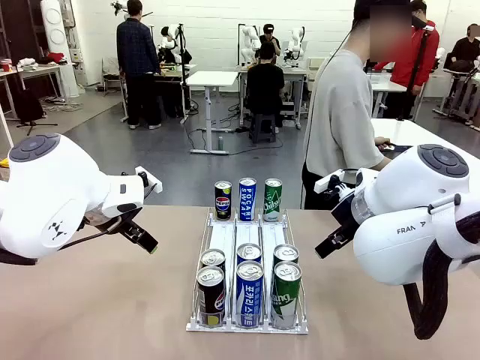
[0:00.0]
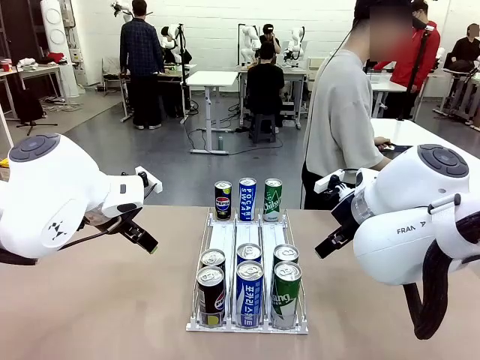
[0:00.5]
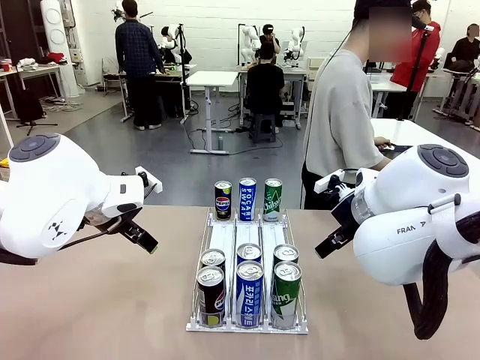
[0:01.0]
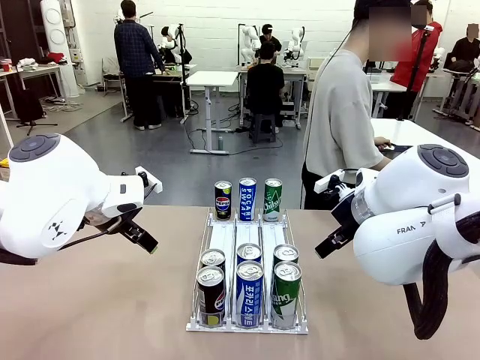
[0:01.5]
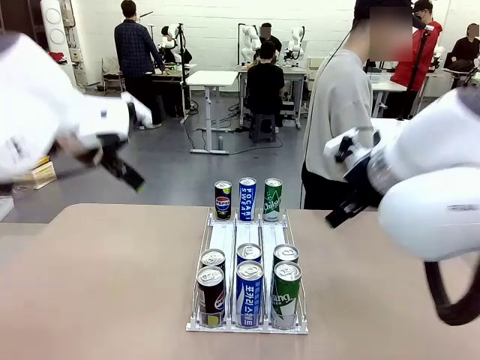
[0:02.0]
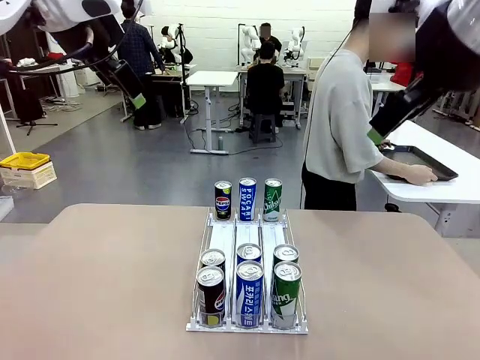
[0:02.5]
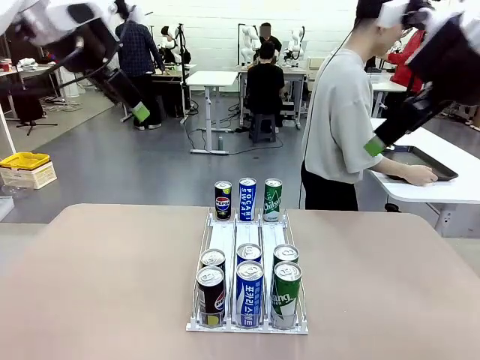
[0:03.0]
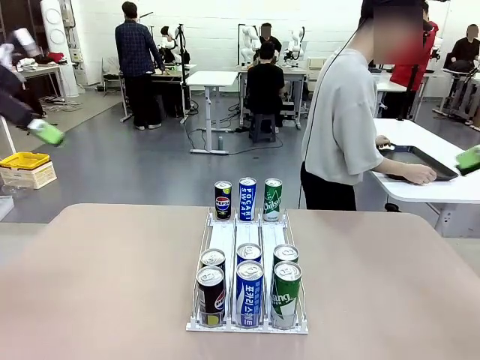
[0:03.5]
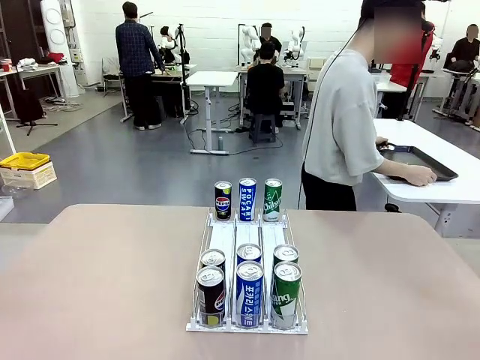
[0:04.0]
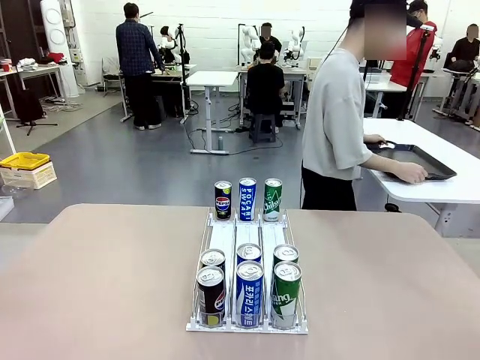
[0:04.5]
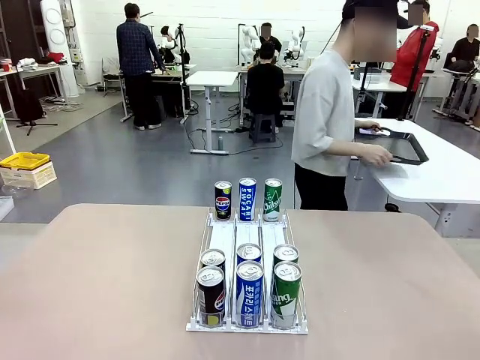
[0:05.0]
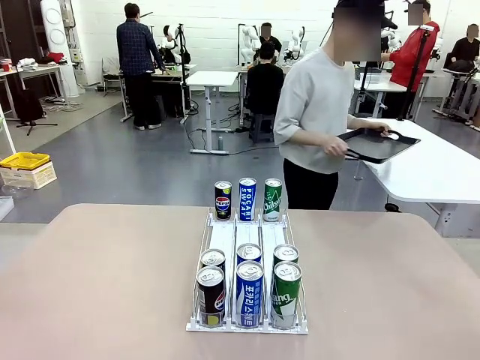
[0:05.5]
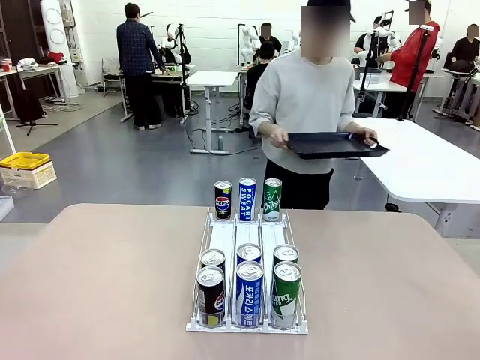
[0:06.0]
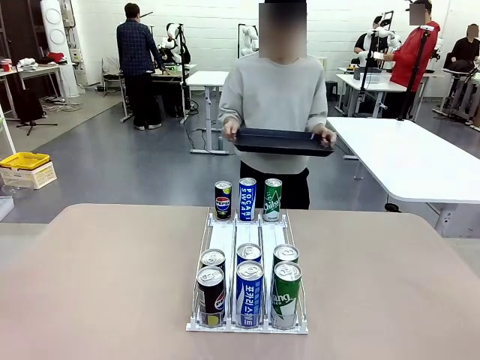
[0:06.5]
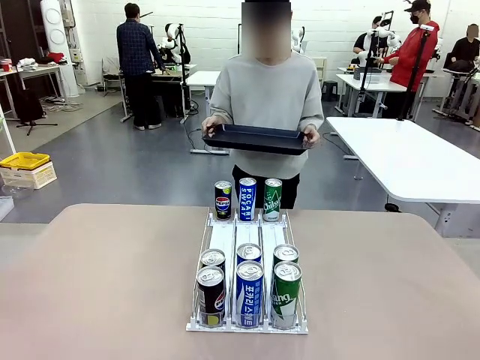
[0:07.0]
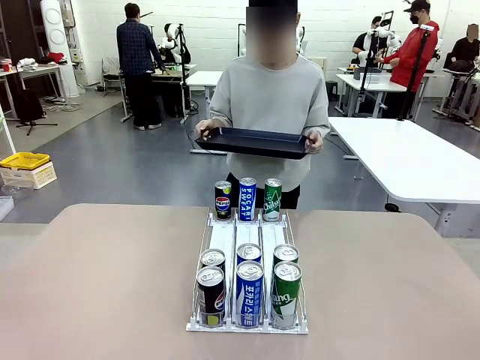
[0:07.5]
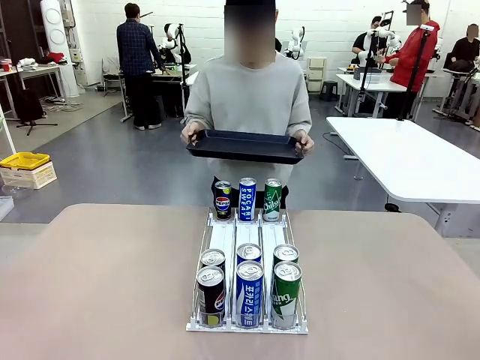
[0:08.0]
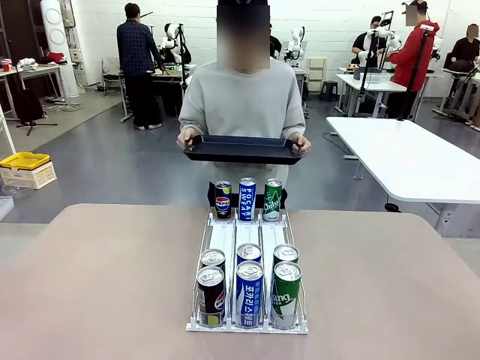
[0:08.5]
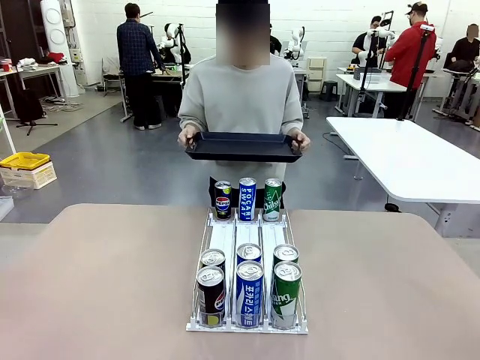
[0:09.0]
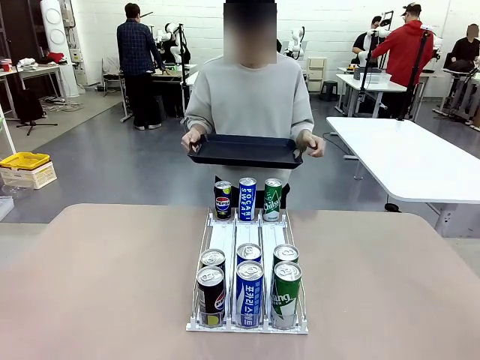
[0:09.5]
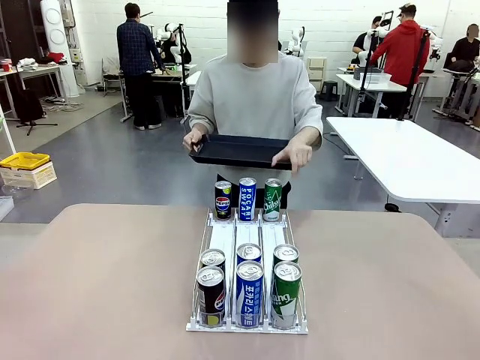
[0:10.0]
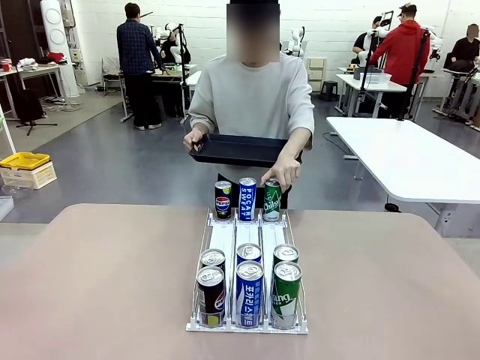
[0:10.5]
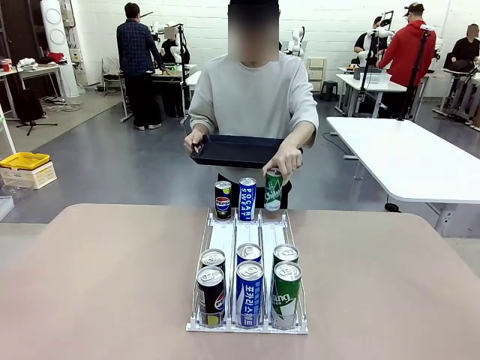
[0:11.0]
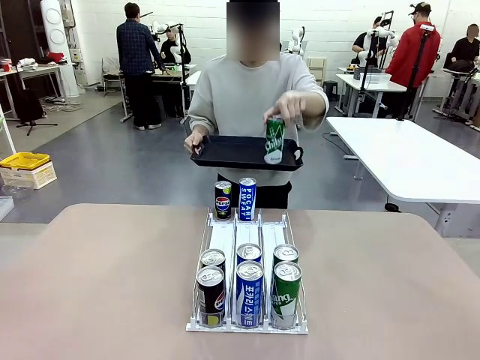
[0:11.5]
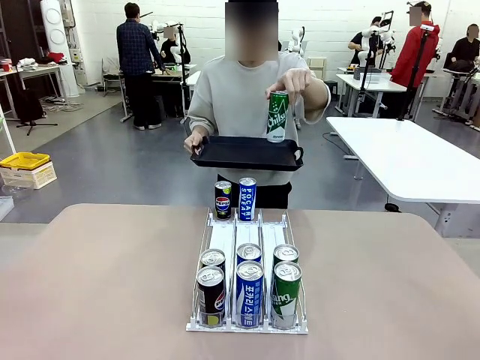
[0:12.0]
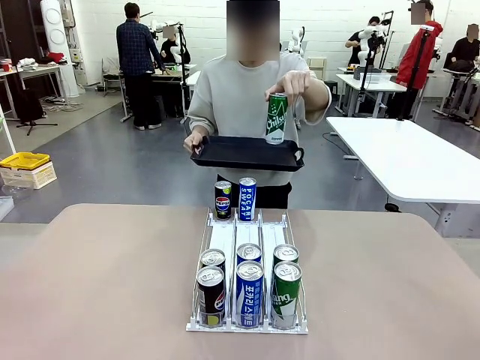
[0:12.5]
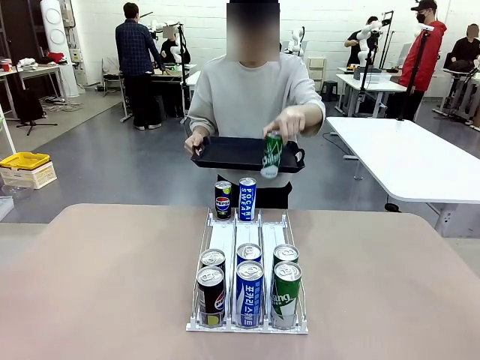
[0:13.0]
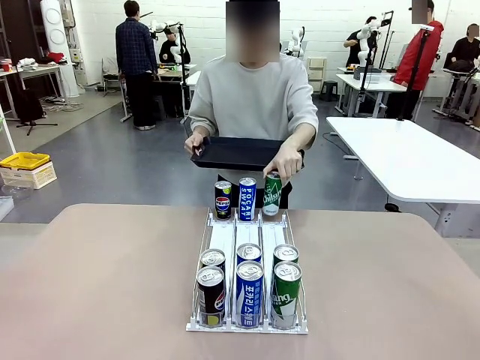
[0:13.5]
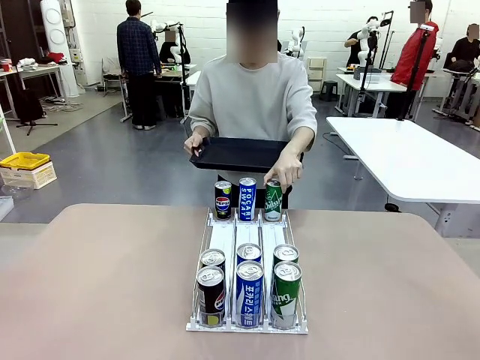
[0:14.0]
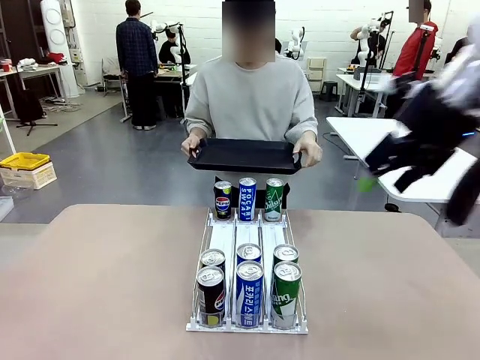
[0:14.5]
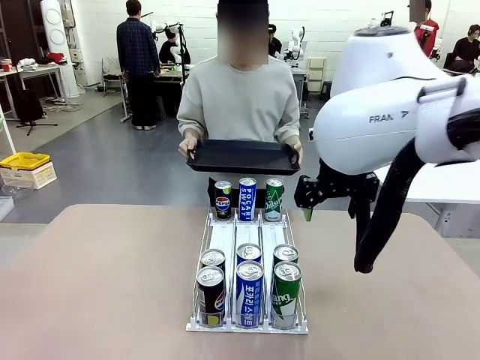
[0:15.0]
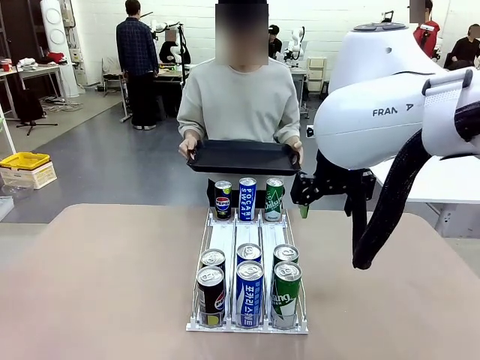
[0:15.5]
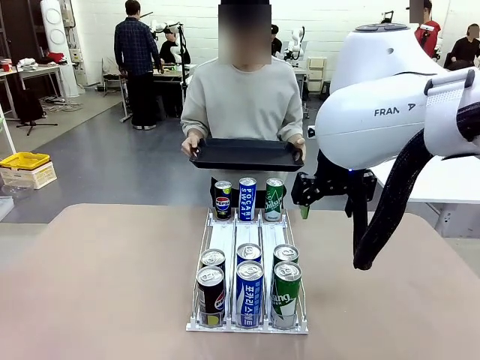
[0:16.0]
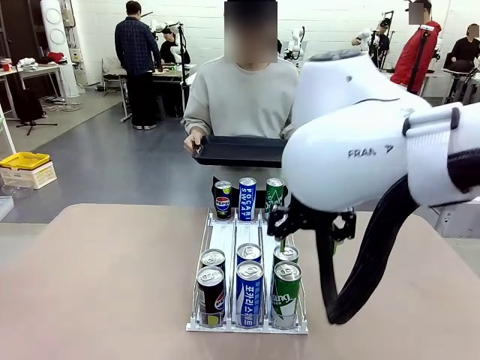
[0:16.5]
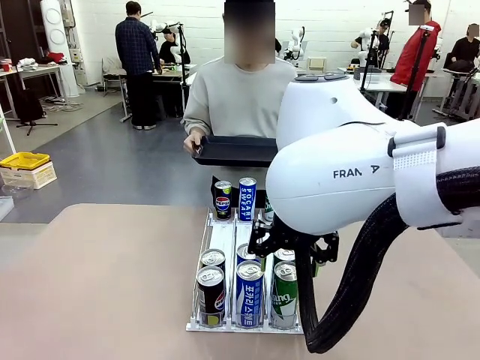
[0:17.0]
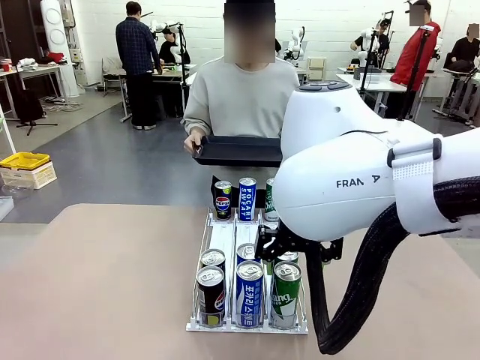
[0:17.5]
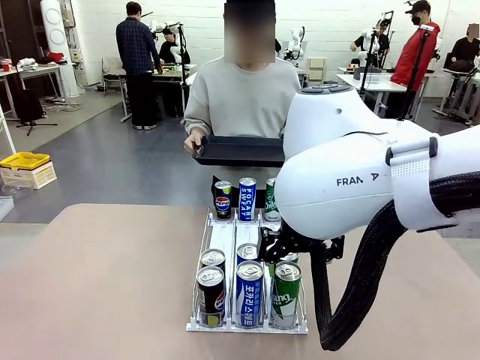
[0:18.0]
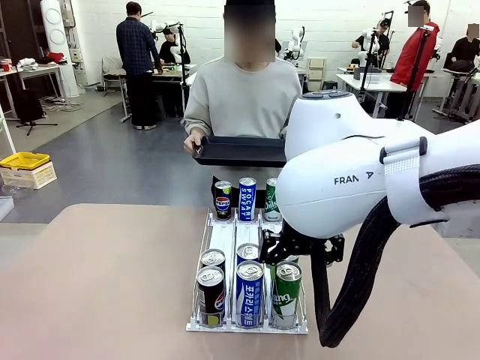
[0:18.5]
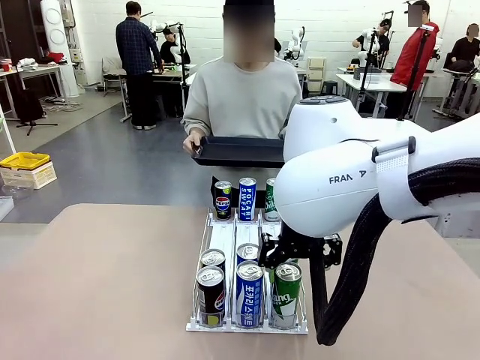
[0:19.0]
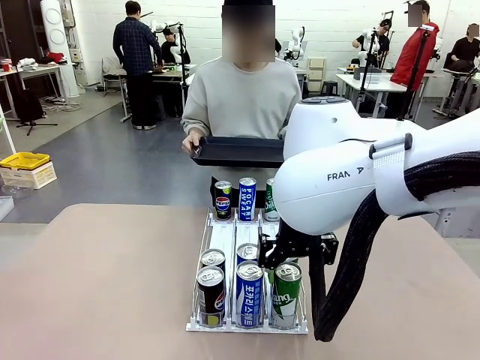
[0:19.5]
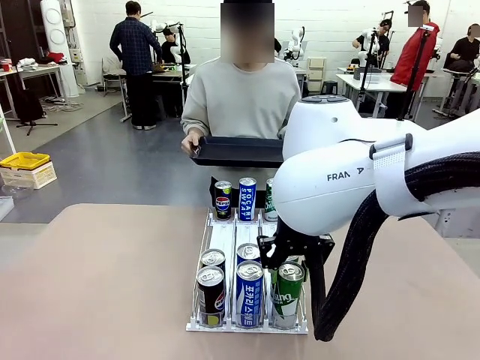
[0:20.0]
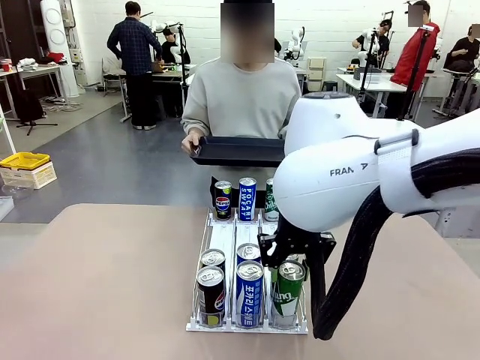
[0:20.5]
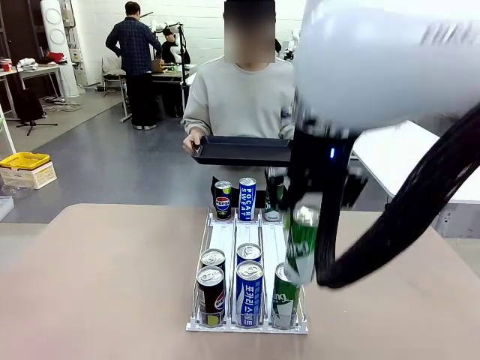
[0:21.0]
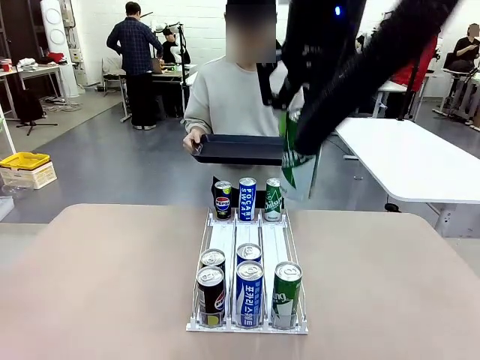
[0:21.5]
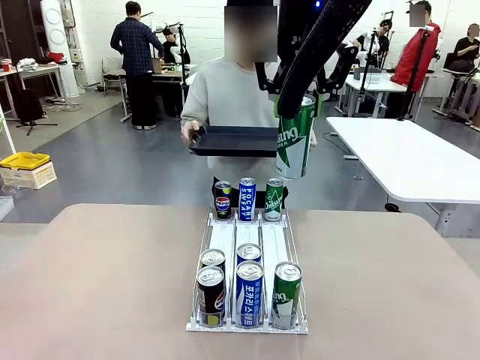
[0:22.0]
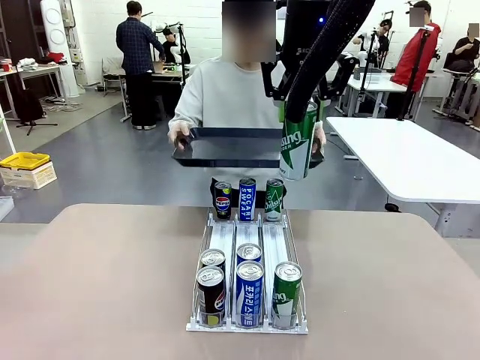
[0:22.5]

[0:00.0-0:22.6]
Task: Retrieve and hand over the desired beverage to the person.
Robot: Pick up a can of the same type that the person held from the Automatic Can Dispenser.
Person: Hold the tray and position yourself in front of the robot table. Pick up one can from the bottom area of the table and puts it back in its original place. Push the tray toward the robot.
